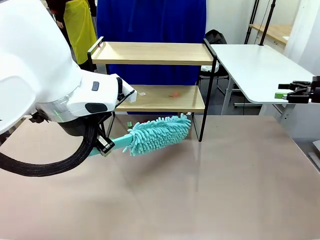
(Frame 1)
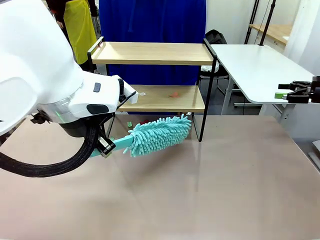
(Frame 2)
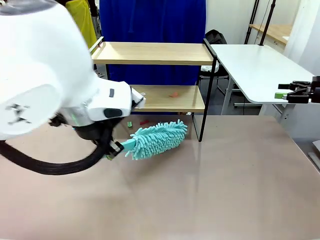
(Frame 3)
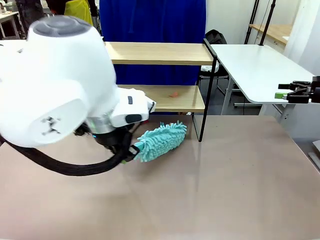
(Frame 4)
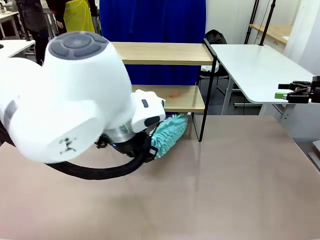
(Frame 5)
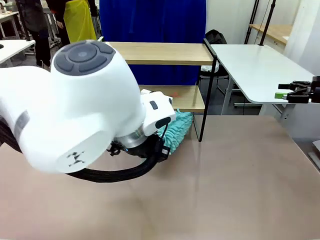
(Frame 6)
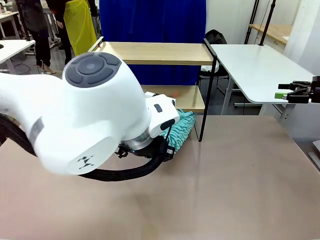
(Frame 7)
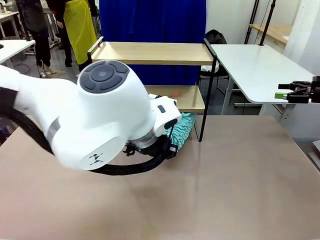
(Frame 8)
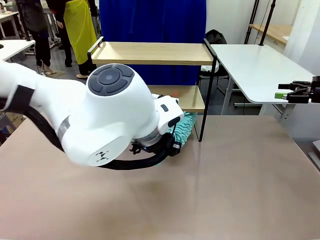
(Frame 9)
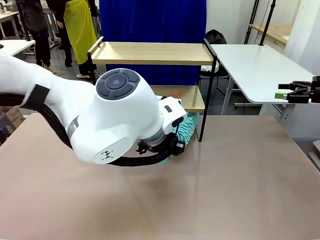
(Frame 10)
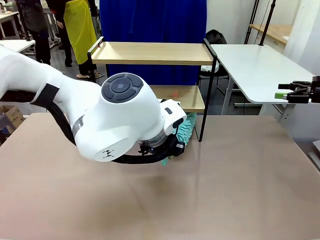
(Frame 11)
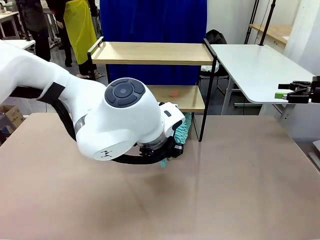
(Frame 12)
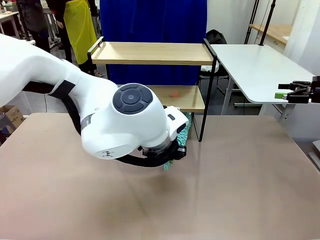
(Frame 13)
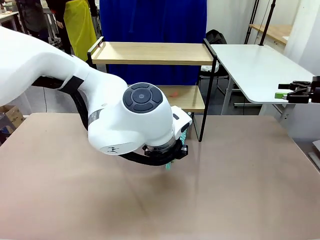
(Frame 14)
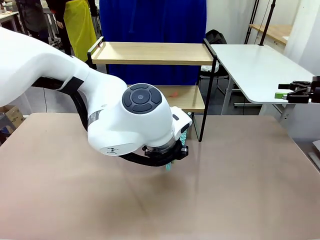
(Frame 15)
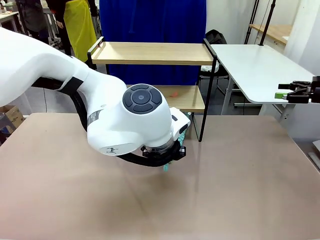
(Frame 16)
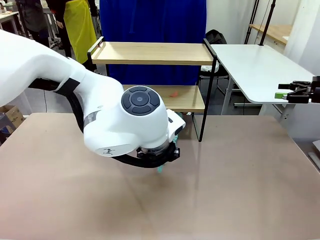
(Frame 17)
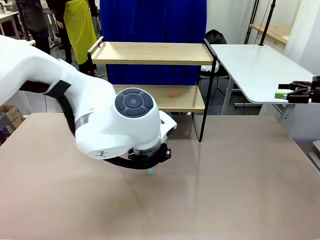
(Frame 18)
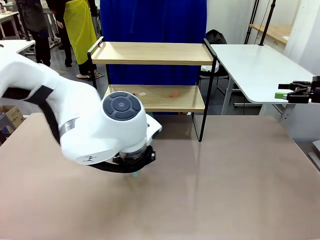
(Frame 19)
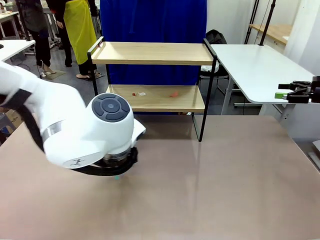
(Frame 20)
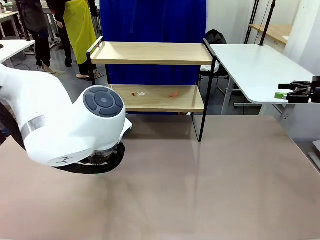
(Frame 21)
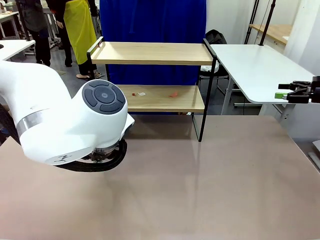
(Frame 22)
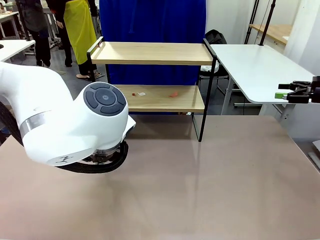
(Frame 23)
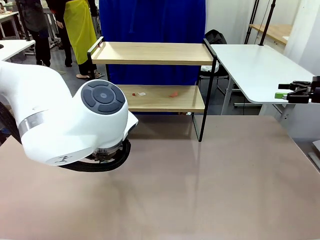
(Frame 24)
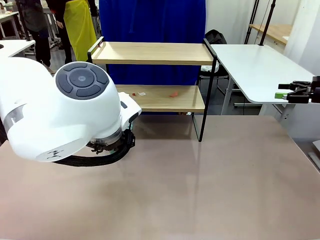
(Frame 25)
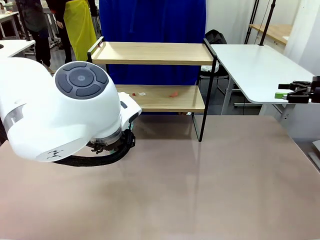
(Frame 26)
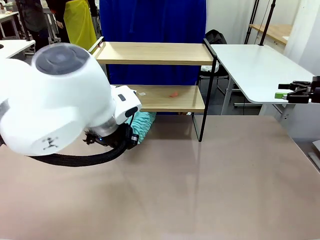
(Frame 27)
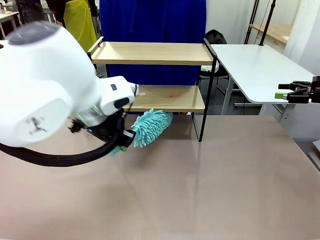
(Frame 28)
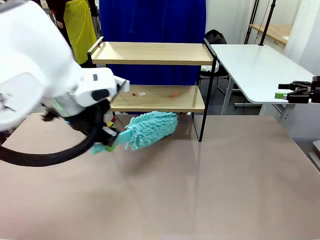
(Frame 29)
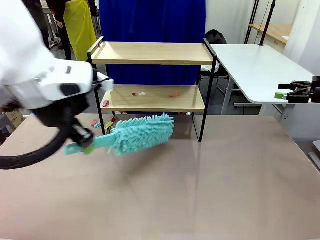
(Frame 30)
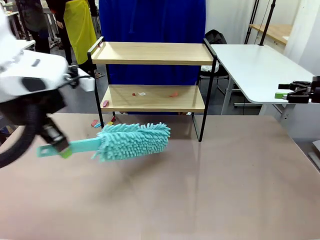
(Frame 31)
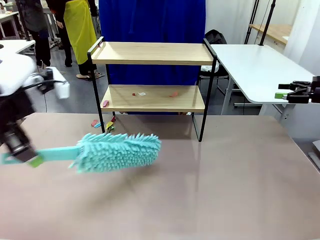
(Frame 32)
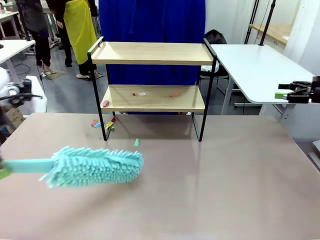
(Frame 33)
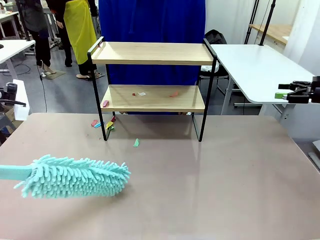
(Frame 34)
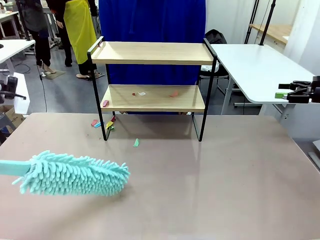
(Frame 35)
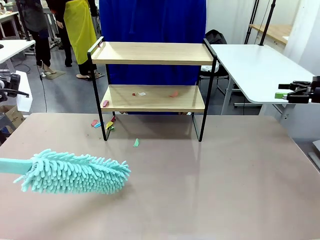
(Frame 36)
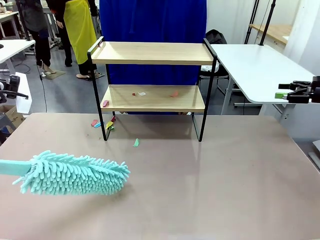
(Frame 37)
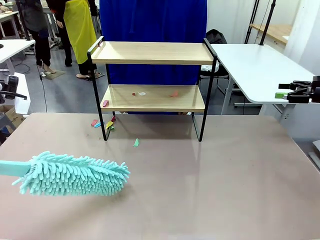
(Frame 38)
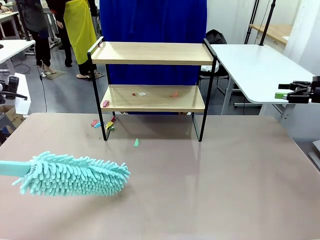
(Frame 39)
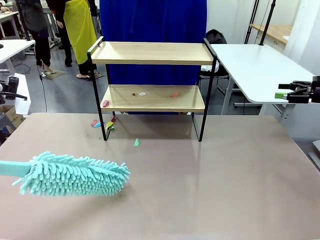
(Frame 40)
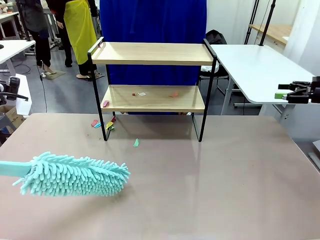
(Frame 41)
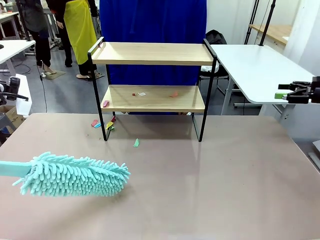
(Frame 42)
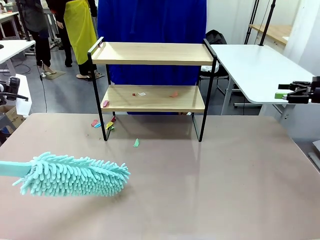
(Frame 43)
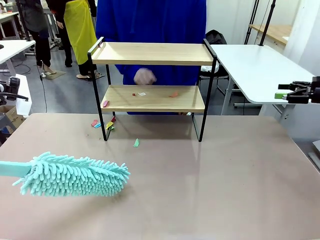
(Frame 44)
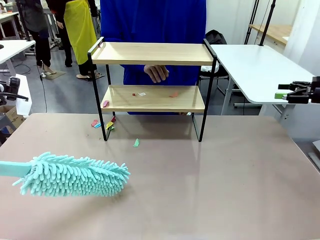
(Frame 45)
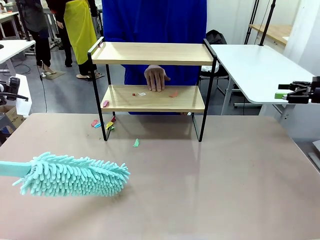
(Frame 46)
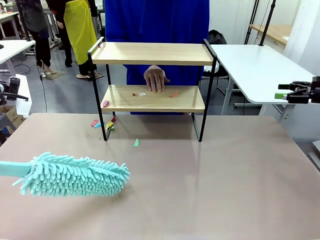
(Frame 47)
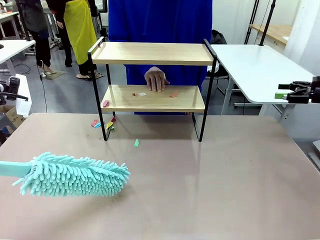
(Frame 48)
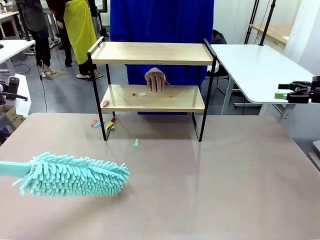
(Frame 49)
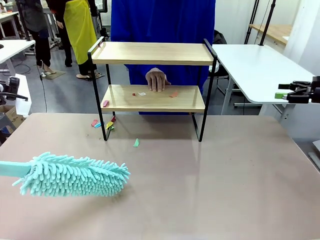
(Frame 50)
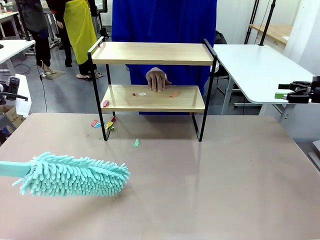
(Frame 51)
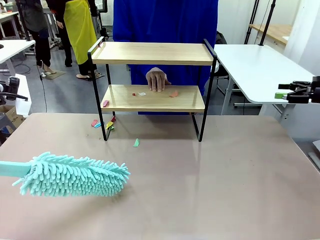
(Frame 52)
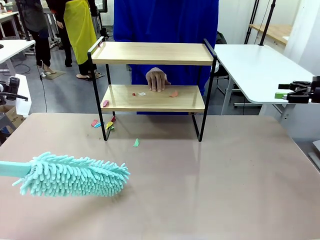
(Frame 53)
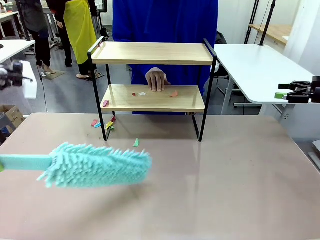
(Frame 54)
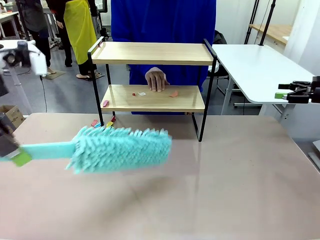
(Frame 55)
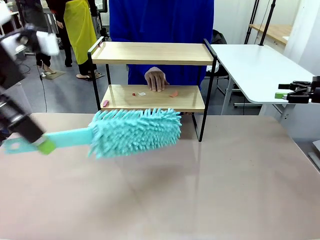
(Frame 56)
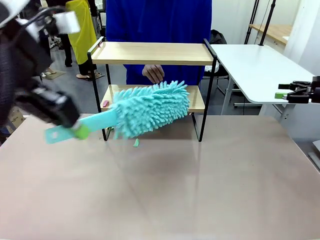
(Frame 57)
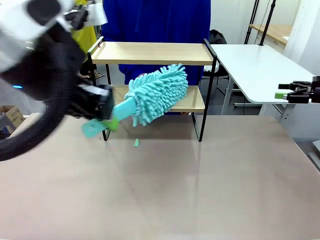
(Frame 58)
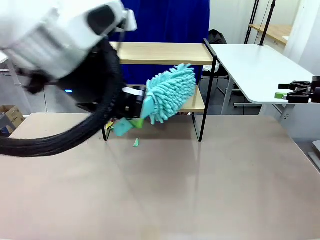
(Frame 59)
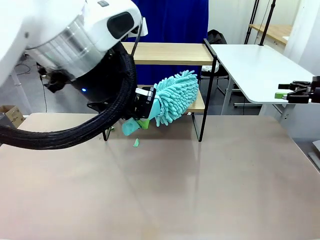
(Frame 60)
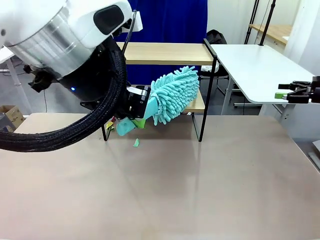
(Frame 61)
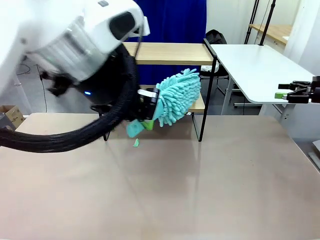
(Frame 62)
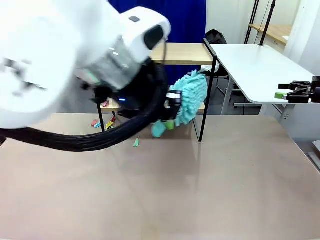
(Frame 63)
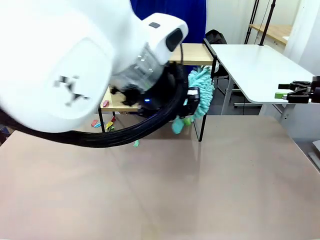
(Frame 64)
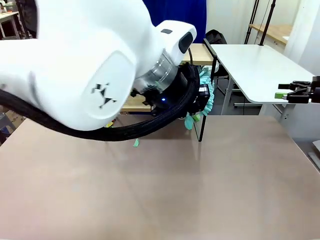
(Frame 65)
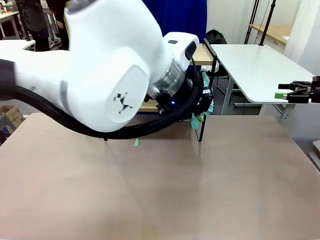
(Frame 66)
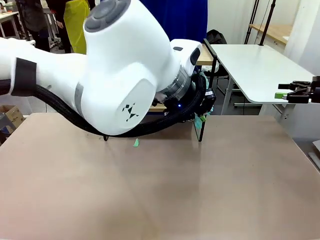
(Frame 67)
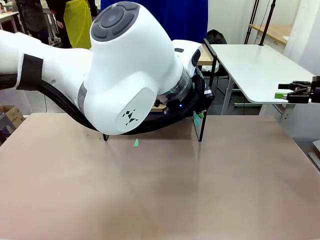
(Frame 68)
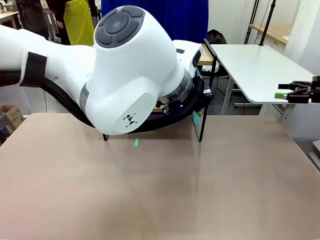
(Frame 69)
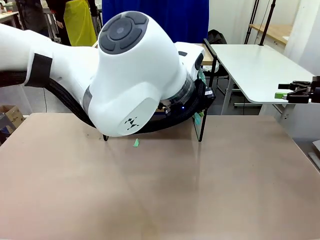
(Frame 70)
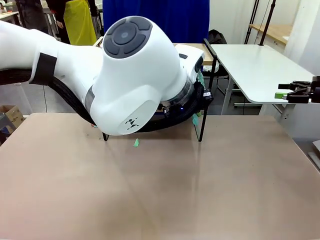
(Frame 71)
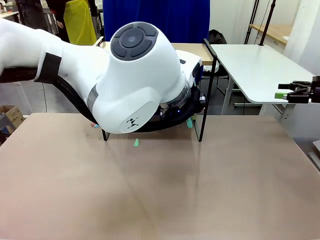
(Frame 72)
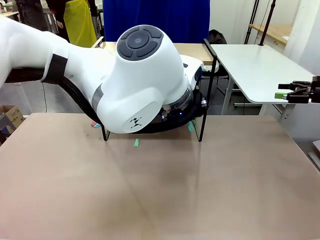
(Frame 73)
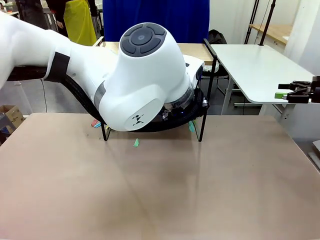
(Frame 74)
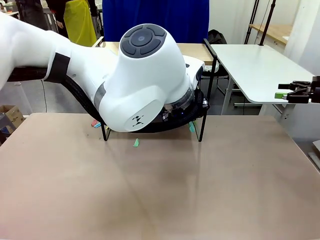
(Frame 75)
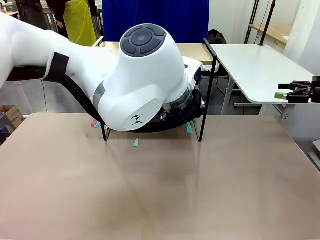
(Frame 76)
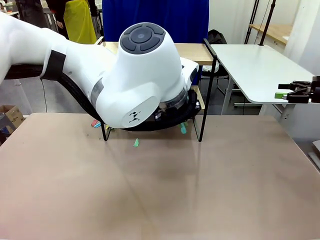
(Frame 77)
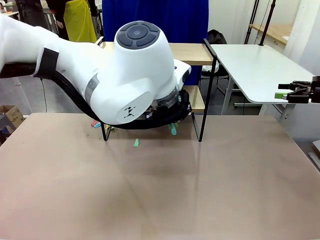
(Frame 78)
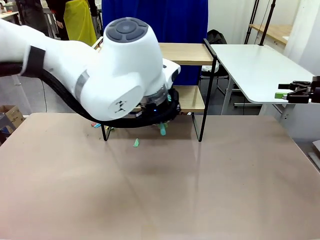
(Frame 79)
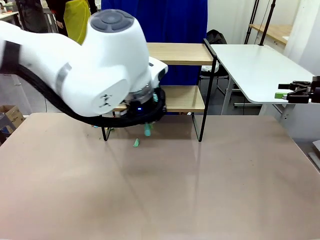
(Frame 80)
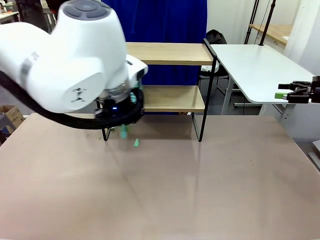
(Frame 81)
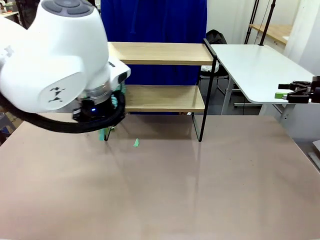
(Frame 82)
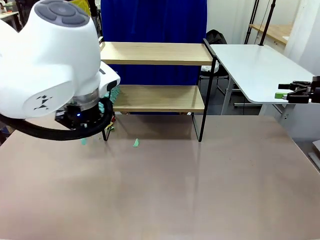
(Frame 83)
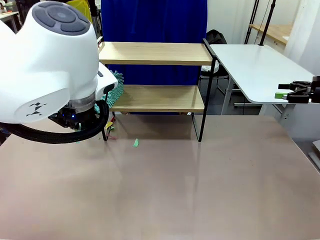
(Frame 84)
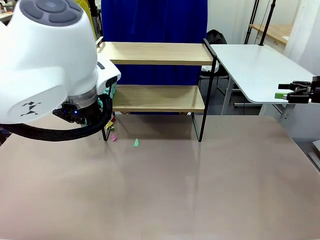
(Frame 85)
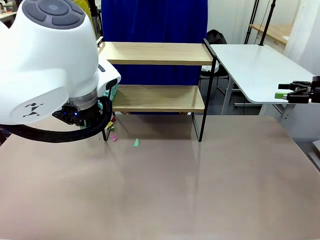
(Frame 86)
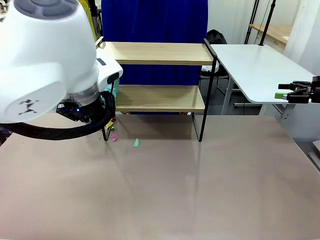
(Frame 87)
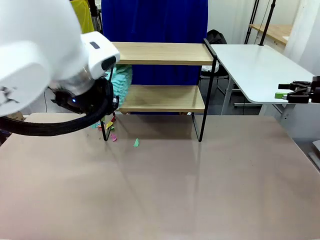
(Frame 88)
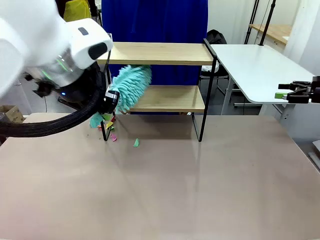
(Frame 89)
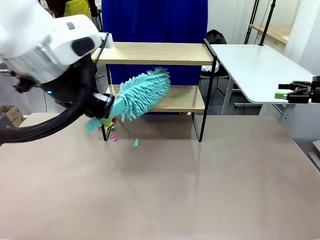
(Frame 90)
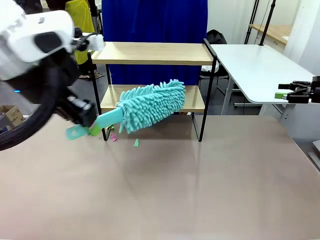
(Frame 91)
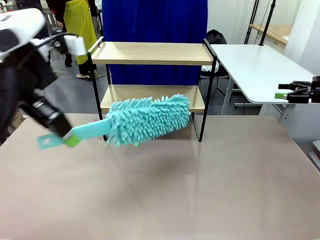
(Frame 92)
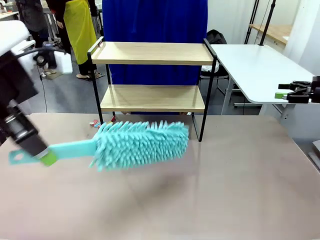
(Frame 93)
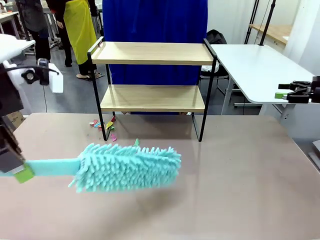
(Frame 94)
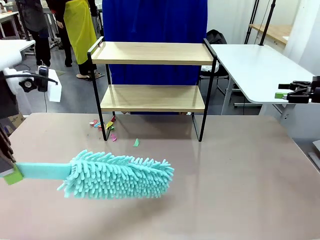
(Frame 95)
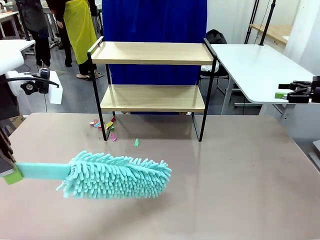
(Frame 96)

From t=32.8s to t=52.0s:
Task: Clean the shelf.
Robot: Clean the specific section of the Shelf indicated by the human with the Duster.
Person: Point a remaining section of the Shelf.
